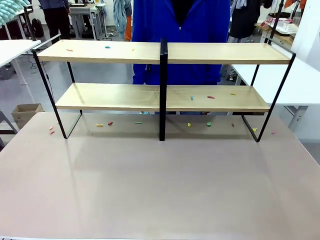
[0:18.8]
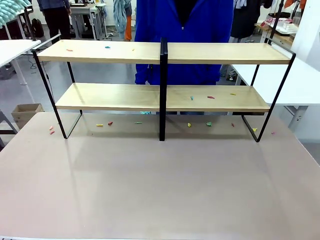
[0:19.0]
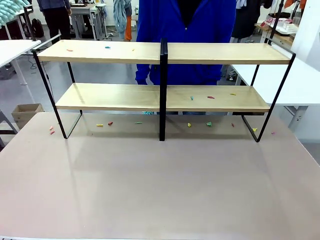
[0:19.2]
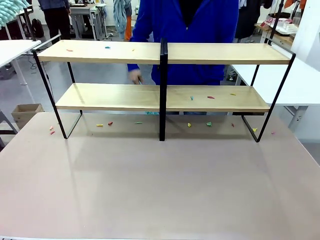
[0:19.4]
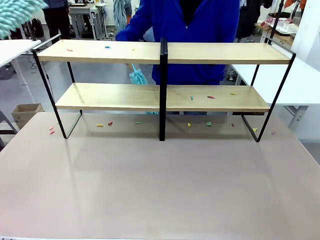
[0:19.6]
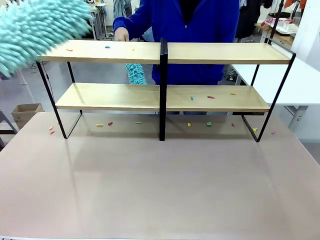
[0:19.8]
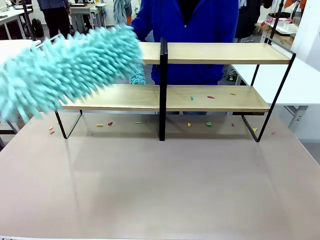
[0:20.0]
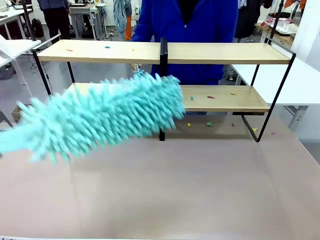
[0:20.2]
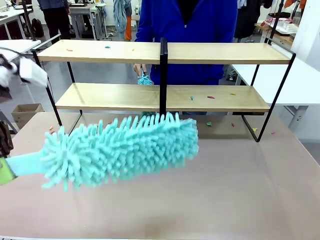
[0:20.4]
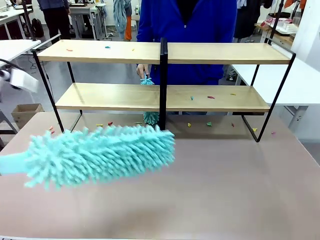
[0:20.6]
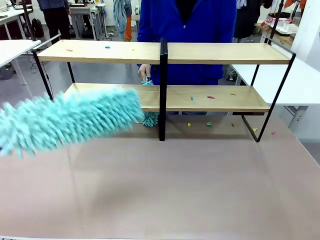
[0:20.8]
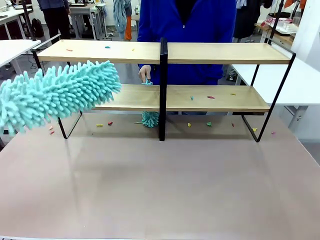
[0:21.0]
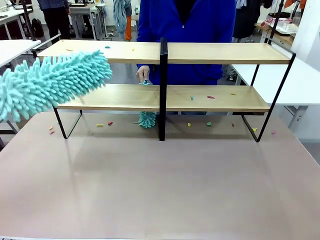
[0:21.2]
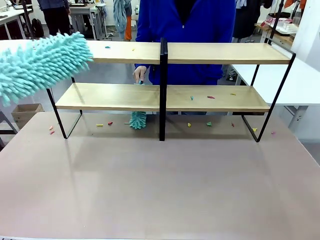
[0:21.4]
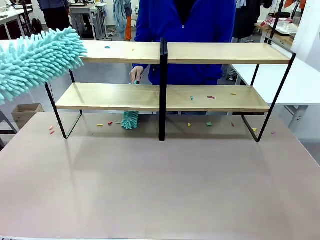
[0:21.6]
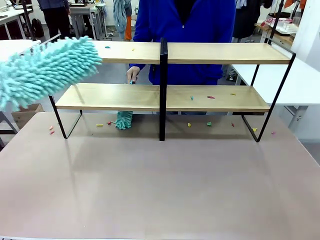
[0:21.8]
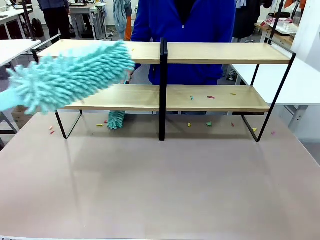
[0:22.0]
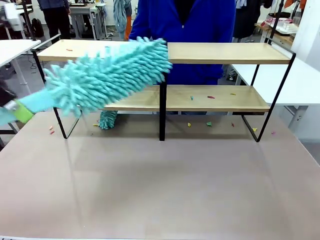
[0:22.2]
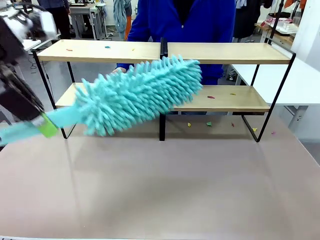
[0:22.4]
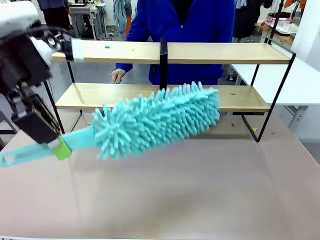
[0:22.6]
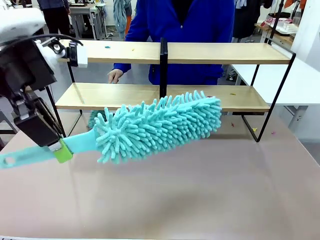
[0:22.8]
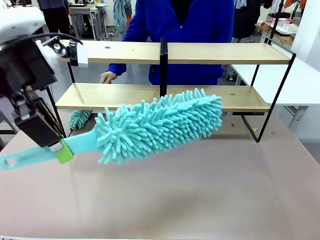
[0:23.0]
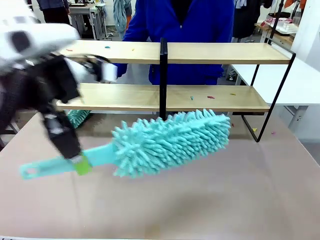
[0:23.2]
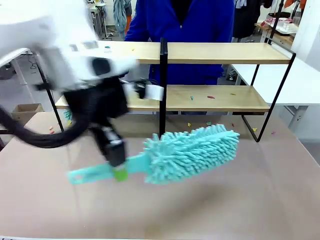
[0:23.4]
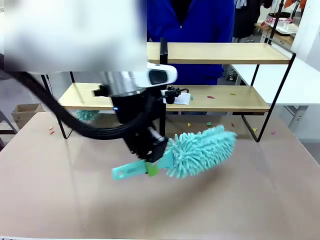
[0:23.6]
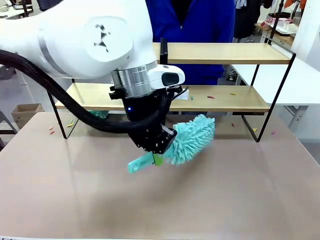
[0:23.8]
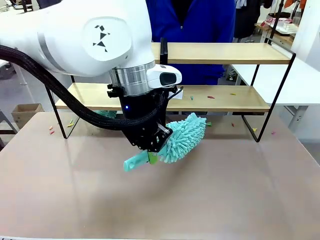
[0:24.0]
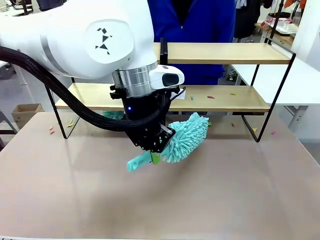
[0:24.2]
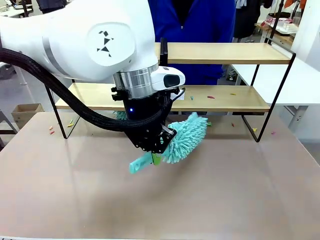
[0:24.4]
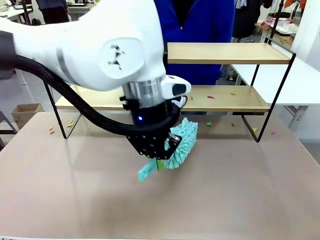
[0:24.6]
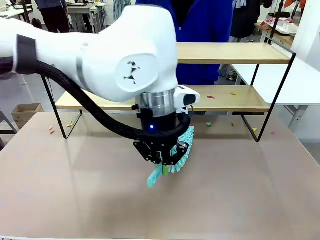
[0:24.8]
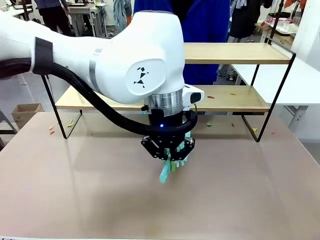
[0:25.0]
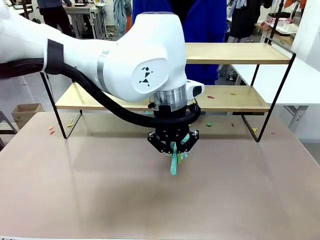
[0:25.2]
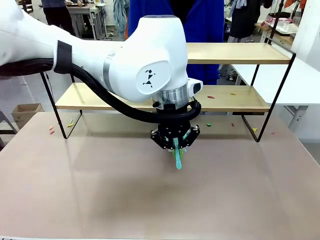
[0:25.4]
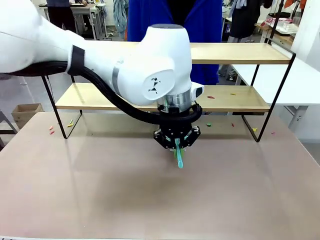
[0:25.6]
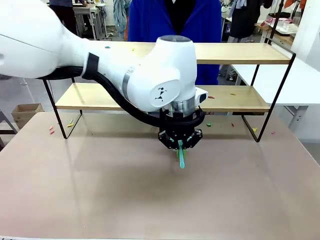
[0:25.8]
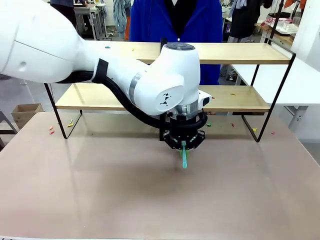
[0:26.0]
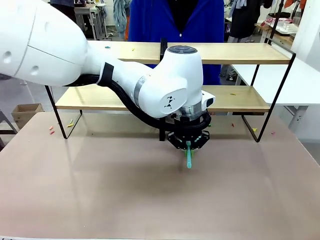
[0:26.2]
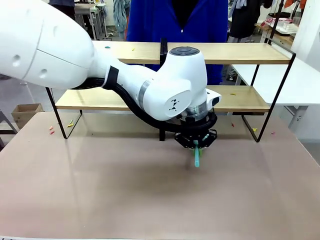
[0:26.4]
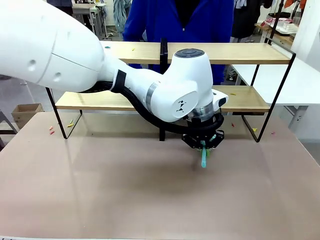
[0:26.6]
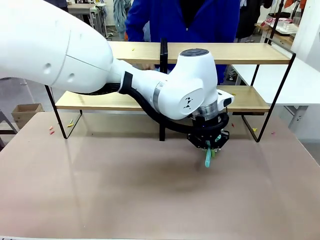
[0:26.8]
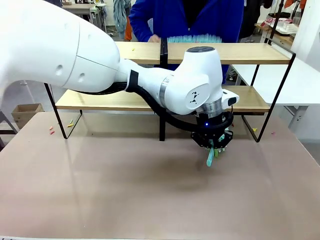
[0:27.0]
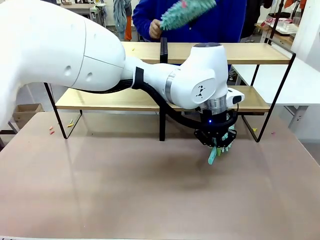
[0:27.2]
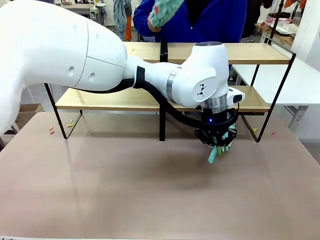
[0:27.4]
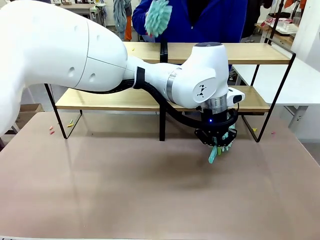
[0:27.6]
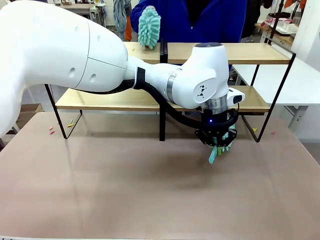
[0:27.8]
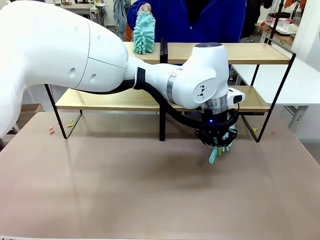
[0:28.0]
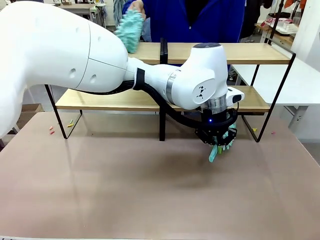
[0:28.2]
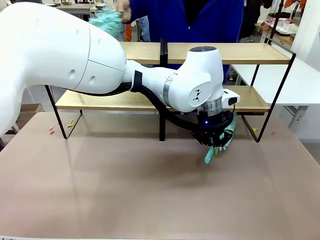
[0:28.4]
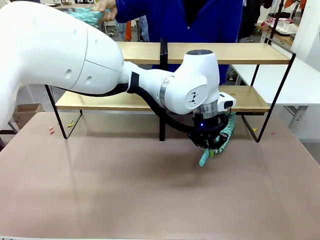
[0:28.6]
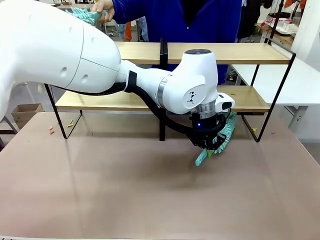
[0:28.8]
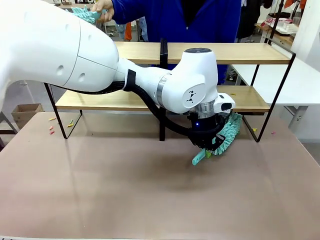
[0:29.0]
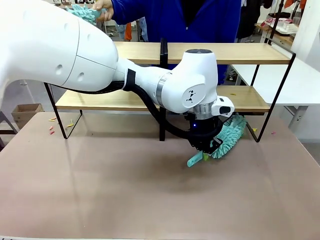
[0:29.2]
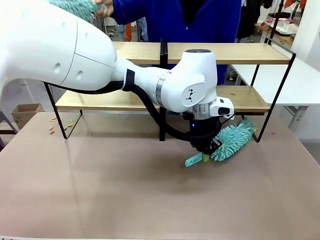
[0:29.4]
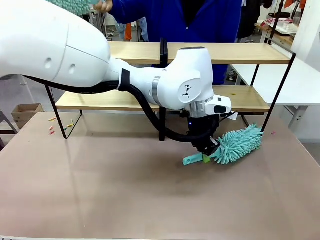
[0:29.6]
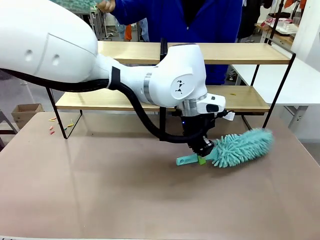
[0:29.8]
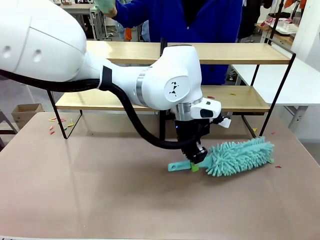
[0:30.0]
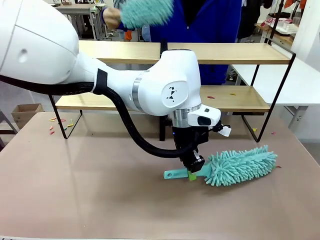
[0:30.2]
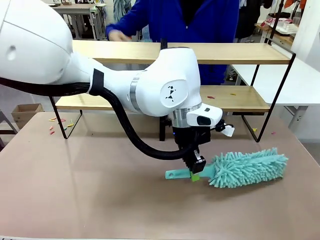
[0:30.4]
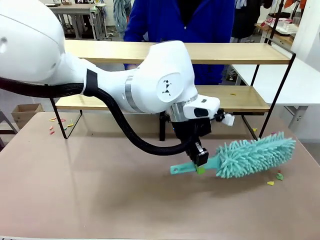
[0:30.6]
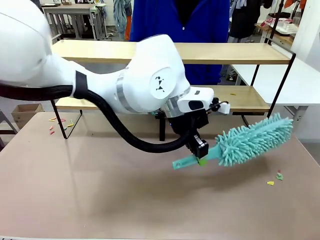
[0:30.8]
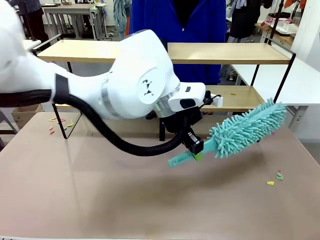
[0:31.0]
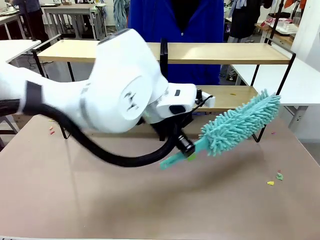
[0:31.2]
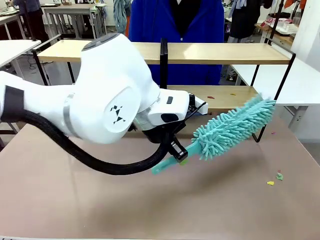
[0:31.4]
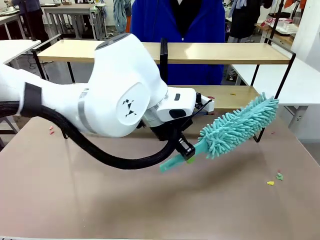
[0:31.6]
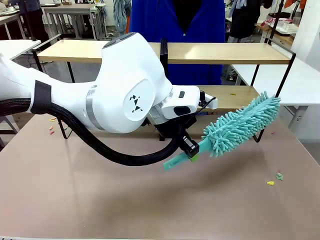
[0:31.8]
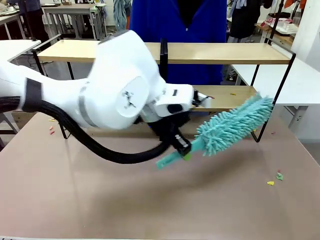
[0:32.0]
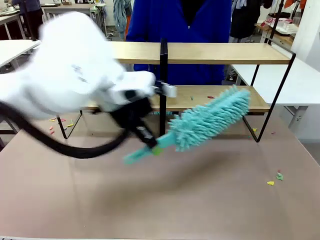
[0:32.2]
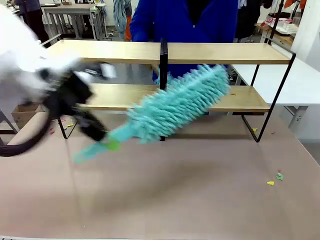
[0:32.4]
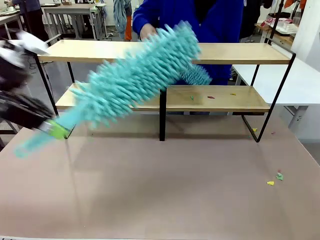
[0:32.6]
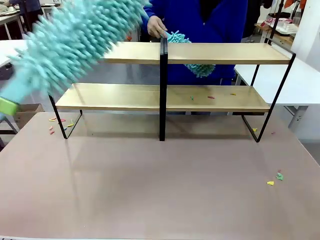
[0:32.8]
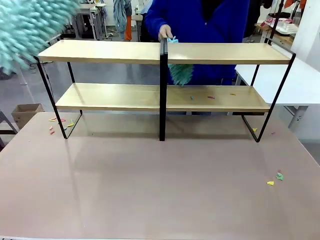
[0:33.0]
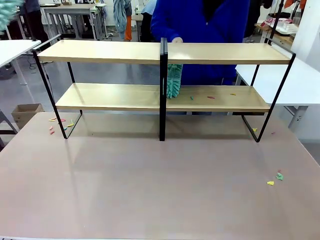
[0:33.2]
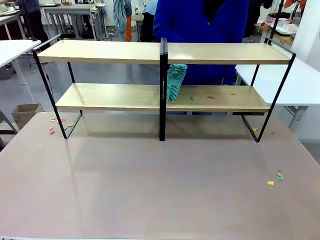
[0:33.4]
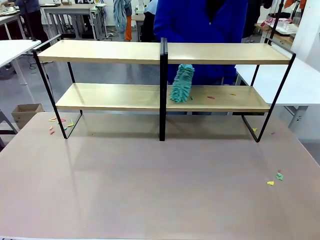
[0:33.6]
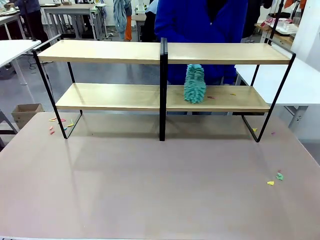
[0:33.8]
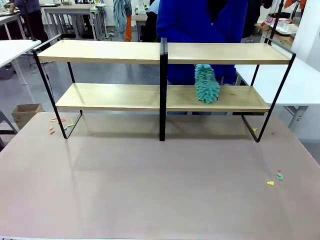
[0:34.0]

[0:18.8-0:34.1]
Task: Clean the shelves.
Robot: Clean another randomly selected level of the Shelf with the Duster.
Person: Clean a randomly selected level of the Shelf with the Duster.

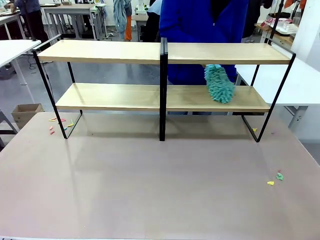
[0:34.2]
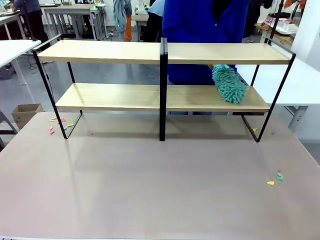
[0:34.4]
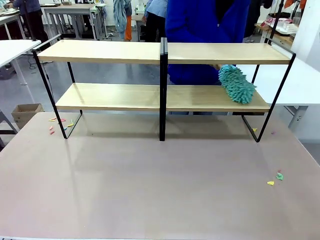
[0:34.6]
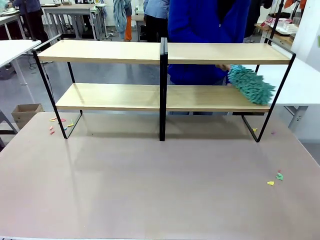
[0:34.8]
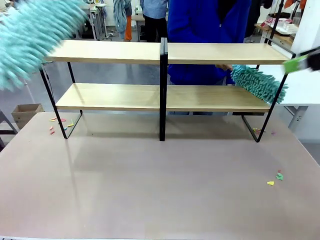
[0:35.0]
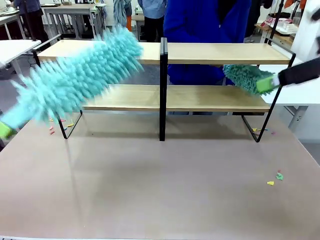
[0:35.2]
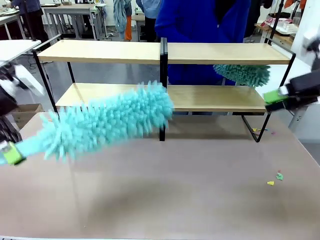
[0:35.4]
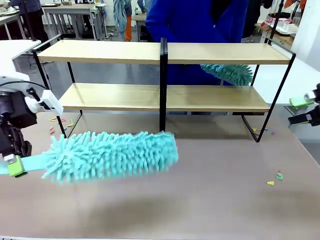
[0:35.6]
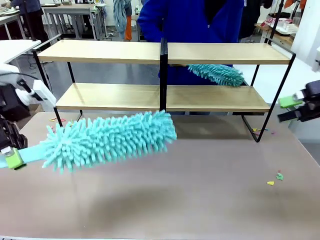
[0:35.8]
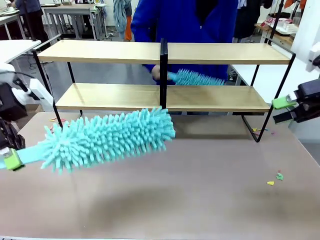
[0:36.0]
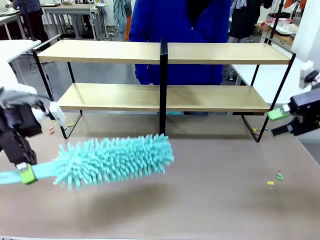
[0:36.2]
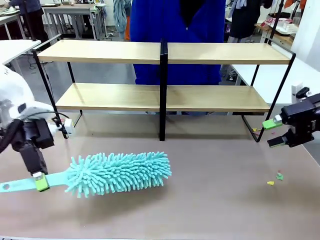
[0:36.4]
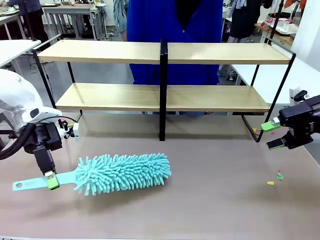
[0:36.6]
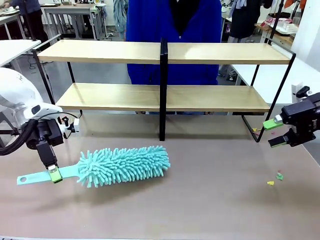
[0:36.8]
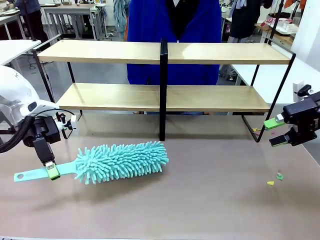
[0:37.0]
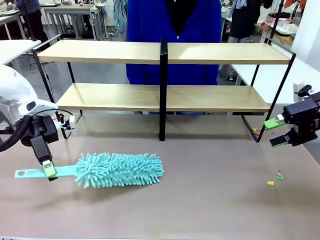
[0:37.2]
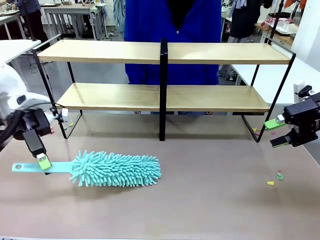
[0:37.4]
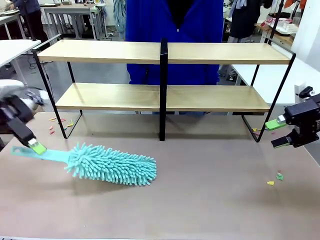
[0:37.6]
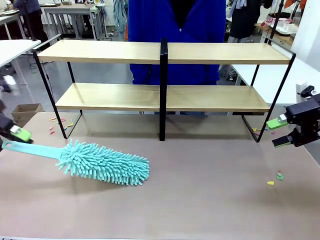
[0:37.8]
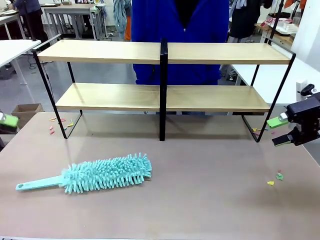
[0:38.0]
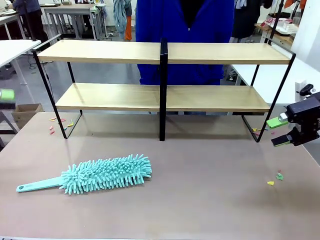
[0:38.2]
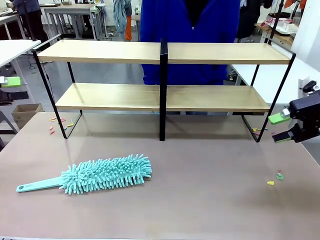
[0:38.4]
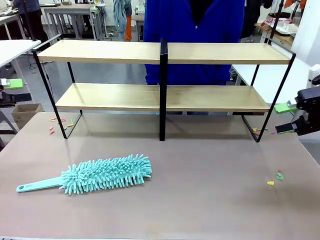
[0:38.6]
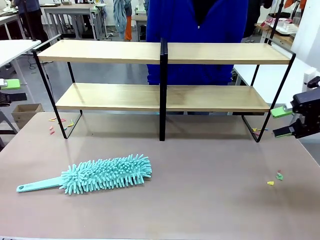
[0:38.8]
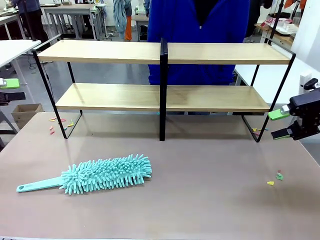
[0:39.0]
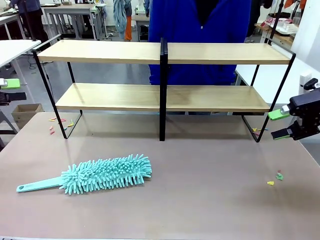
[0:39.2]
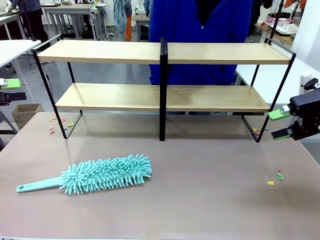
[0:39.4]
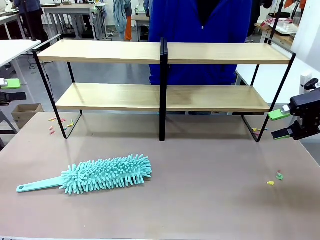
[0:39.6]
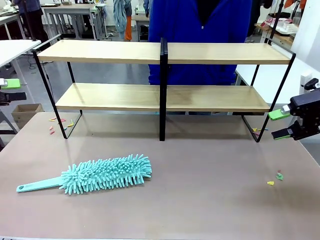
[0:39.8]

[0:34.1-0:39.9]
Robot: Place the Duster on the table.
